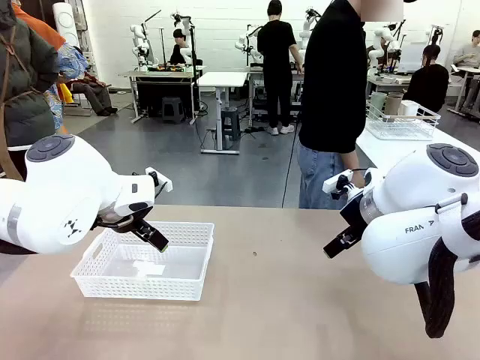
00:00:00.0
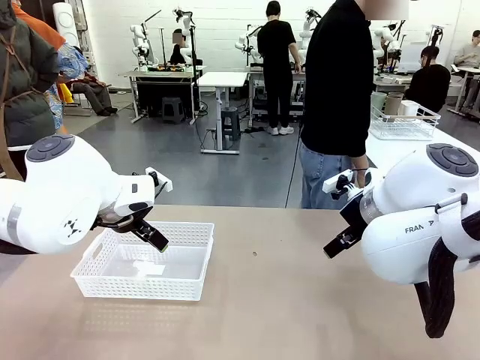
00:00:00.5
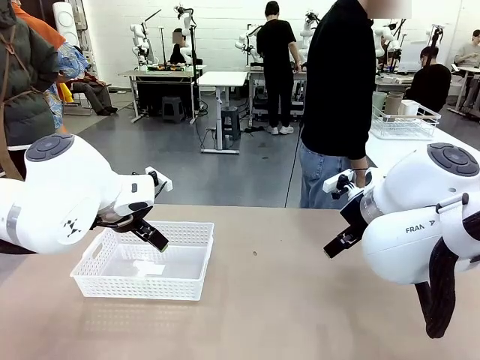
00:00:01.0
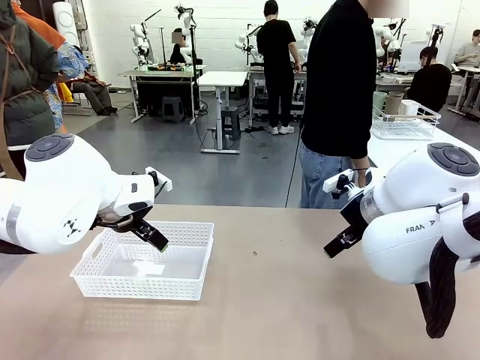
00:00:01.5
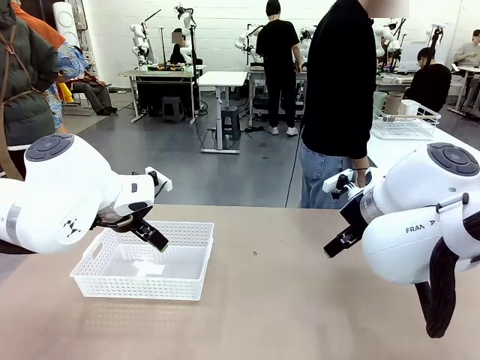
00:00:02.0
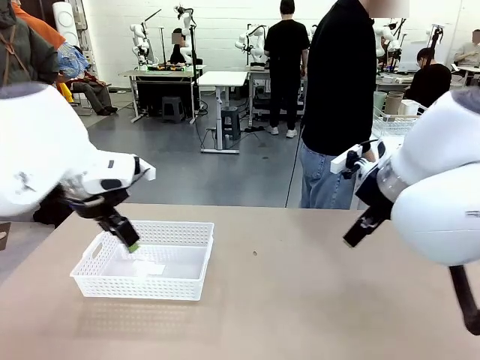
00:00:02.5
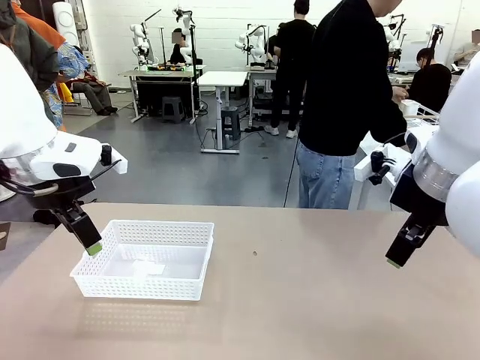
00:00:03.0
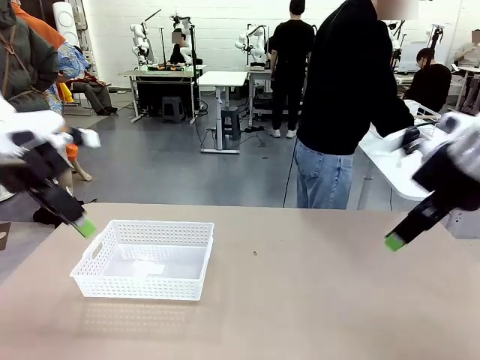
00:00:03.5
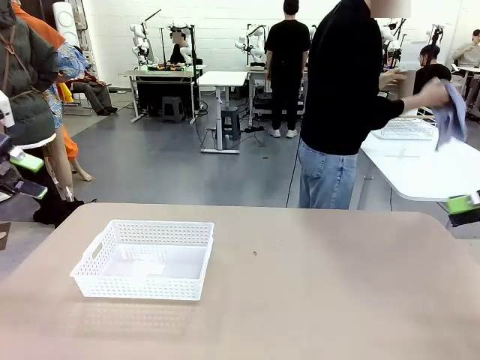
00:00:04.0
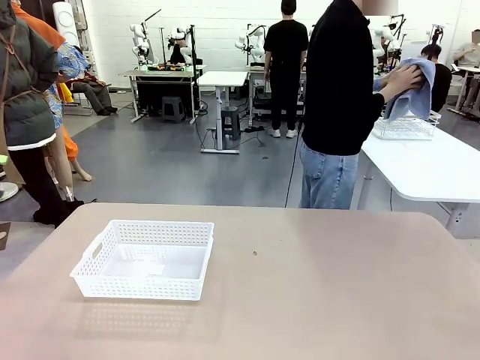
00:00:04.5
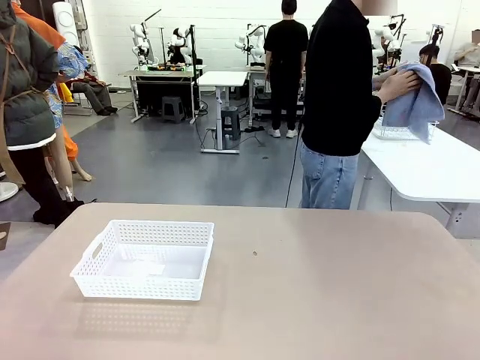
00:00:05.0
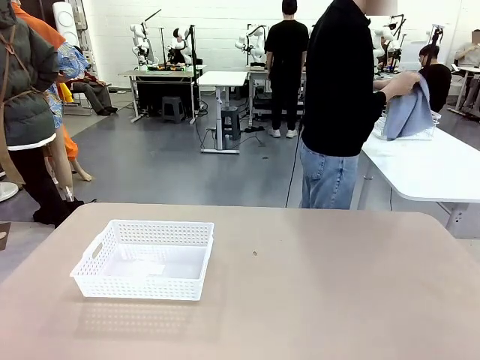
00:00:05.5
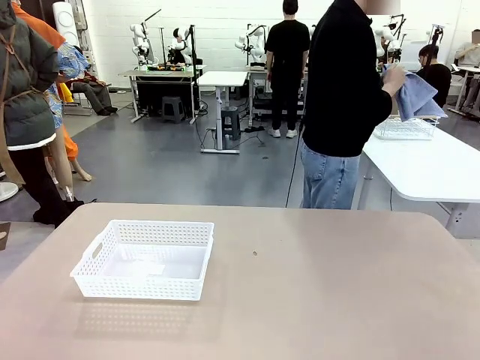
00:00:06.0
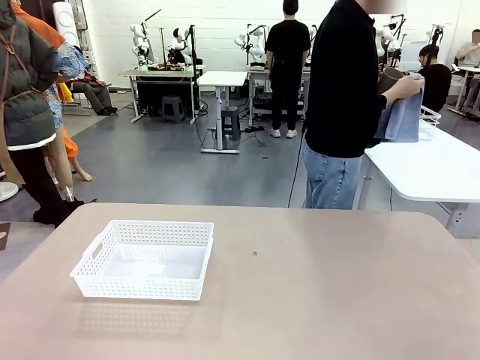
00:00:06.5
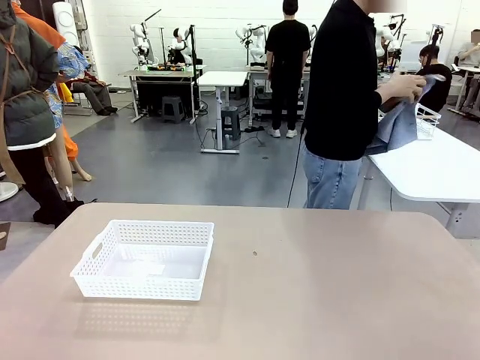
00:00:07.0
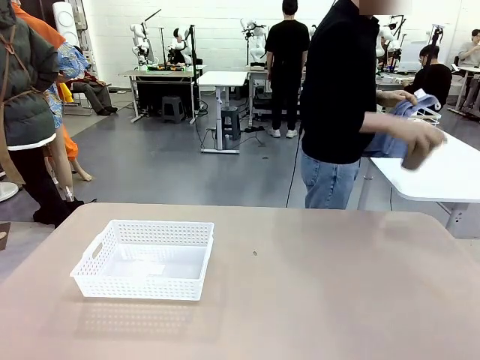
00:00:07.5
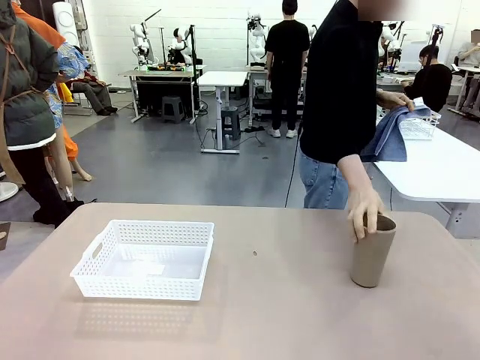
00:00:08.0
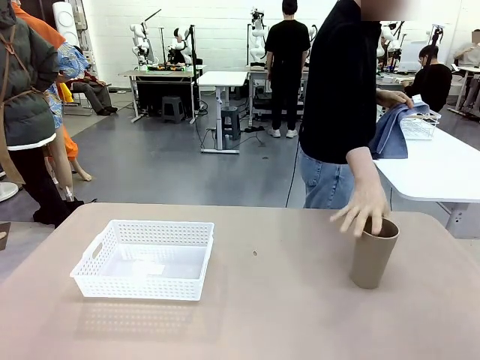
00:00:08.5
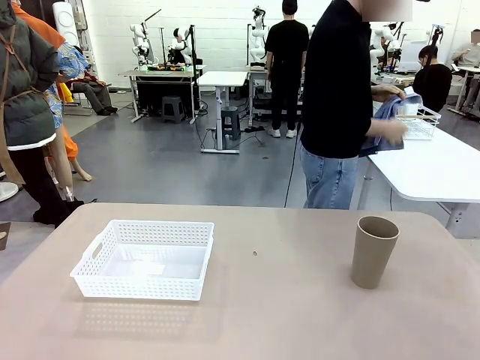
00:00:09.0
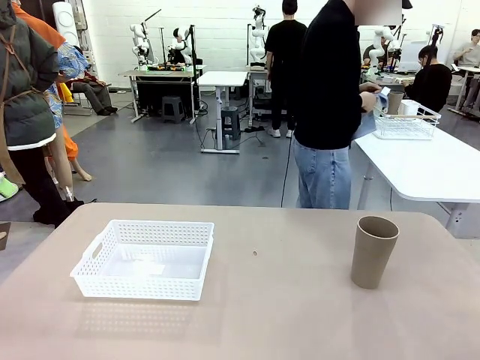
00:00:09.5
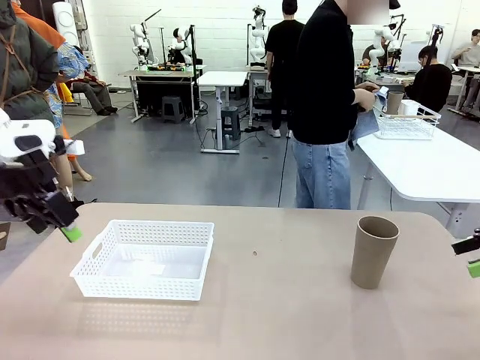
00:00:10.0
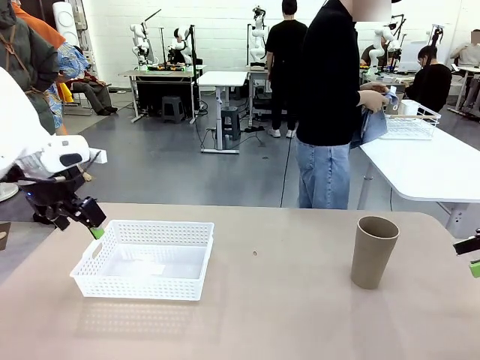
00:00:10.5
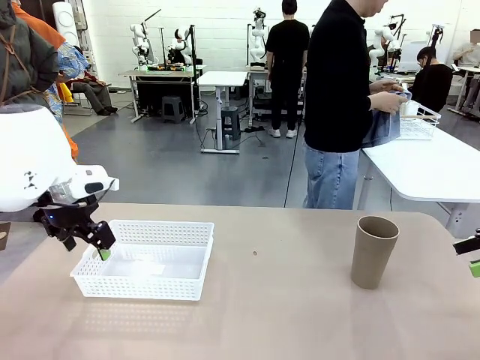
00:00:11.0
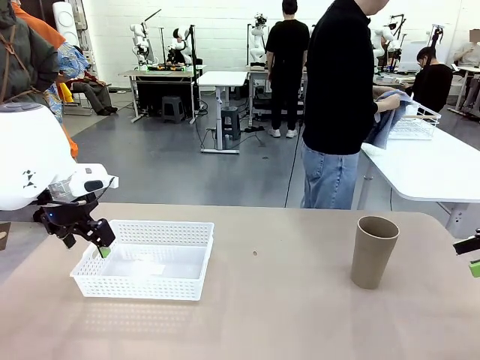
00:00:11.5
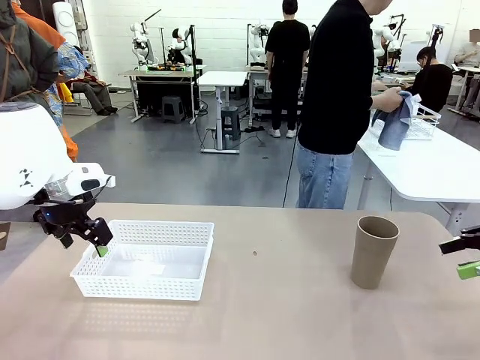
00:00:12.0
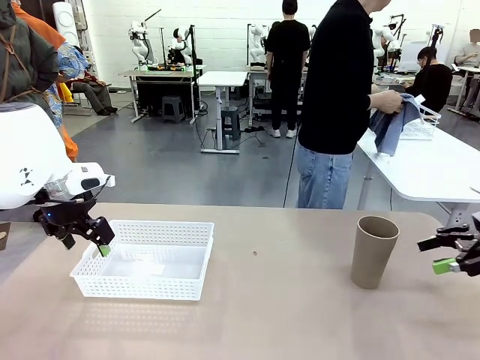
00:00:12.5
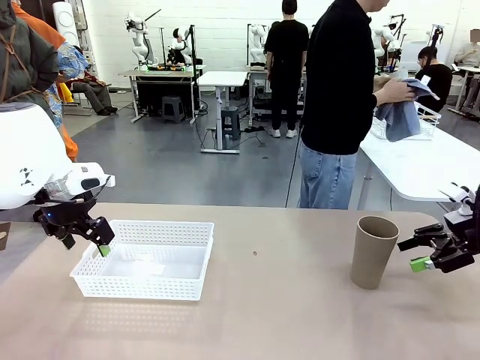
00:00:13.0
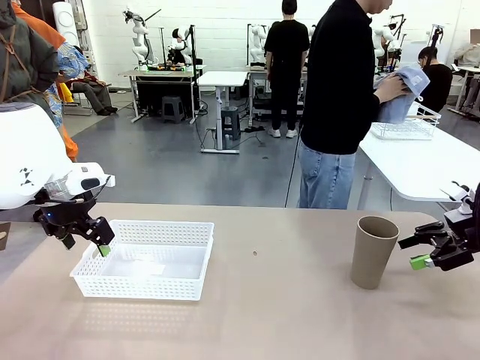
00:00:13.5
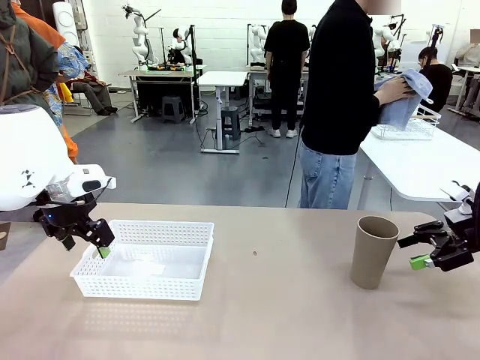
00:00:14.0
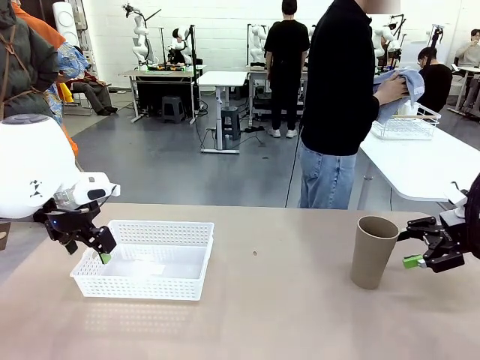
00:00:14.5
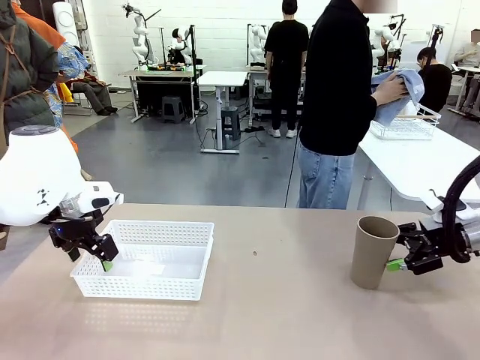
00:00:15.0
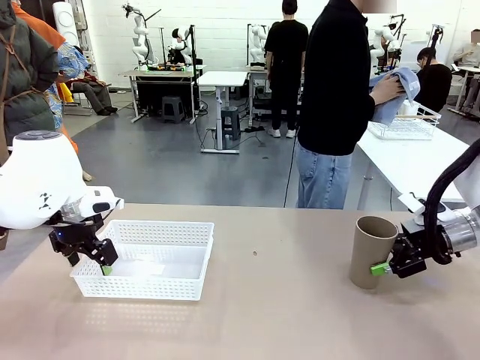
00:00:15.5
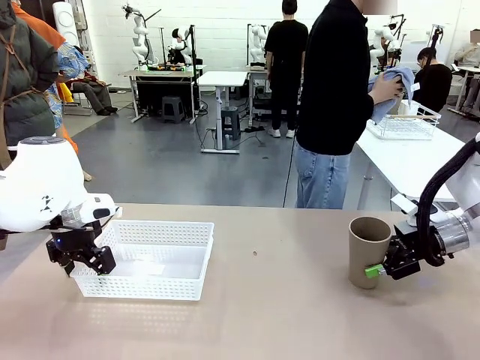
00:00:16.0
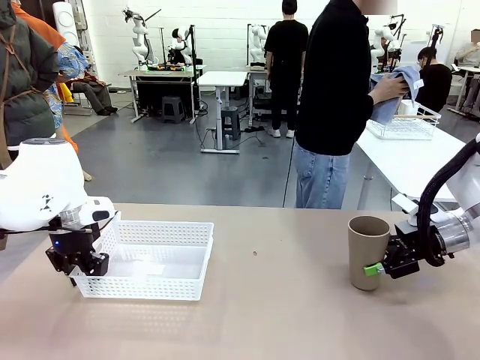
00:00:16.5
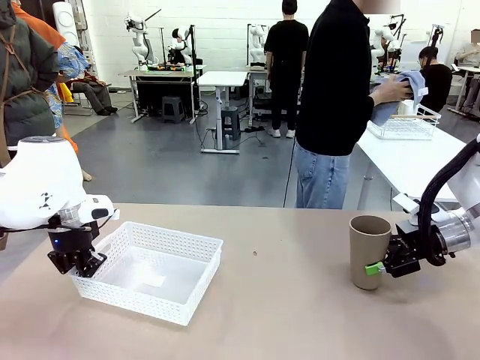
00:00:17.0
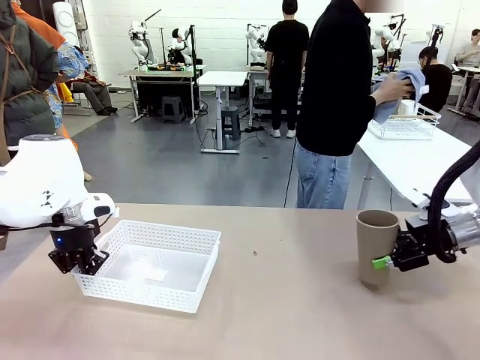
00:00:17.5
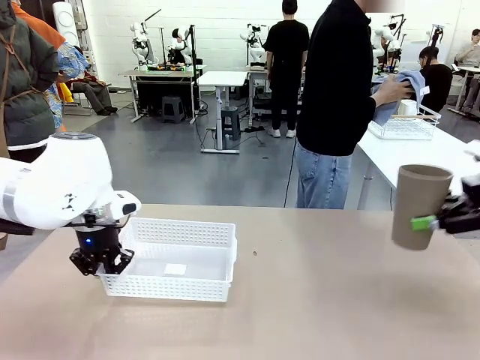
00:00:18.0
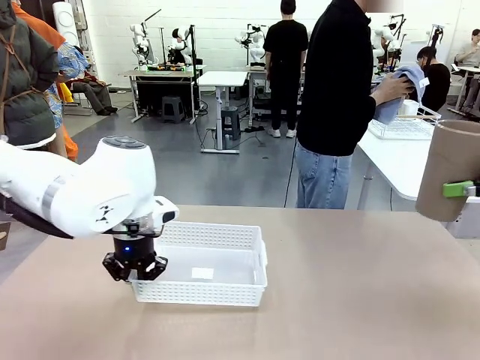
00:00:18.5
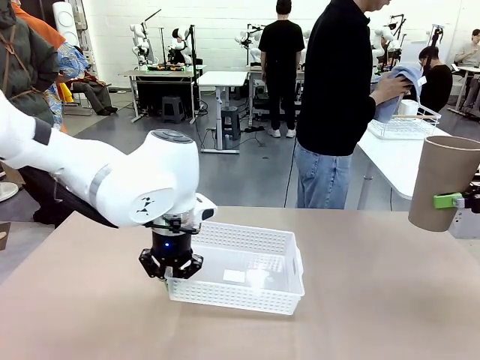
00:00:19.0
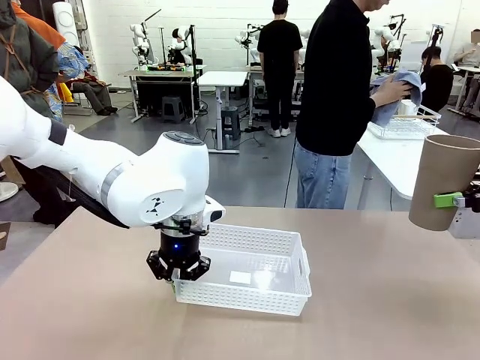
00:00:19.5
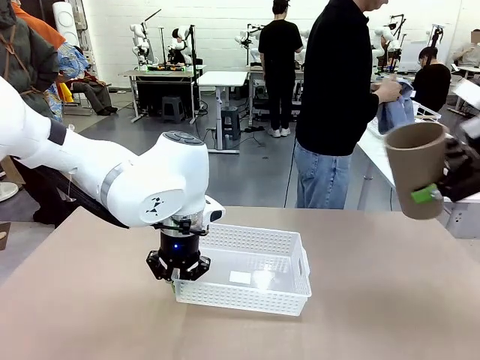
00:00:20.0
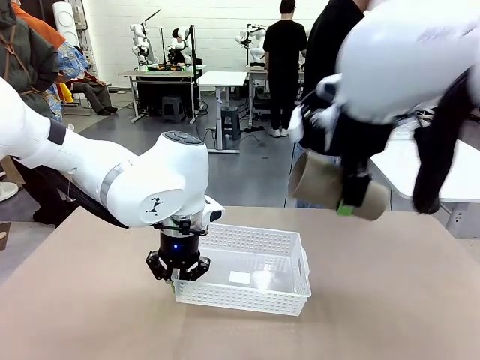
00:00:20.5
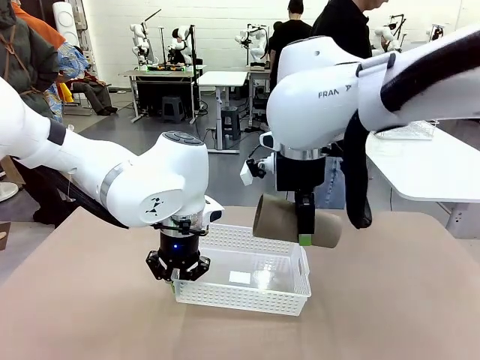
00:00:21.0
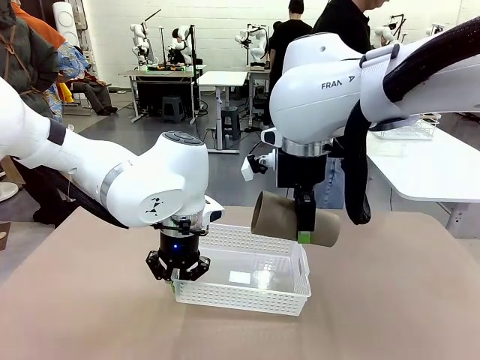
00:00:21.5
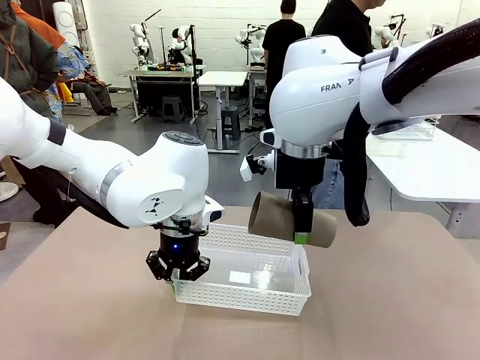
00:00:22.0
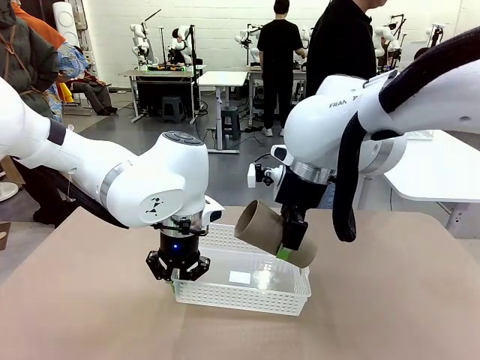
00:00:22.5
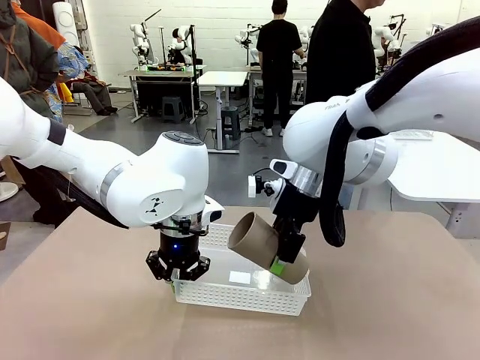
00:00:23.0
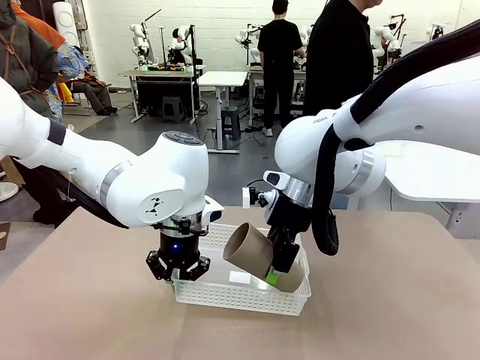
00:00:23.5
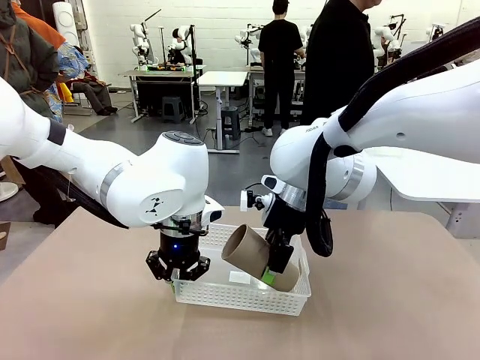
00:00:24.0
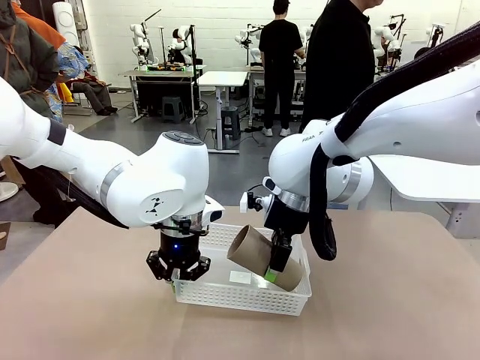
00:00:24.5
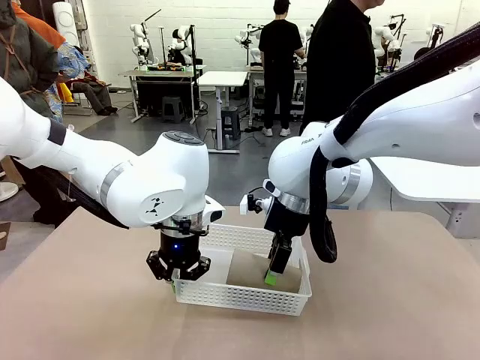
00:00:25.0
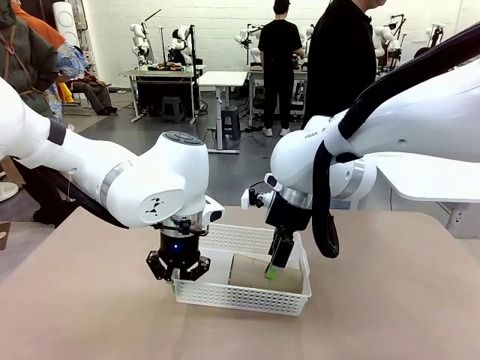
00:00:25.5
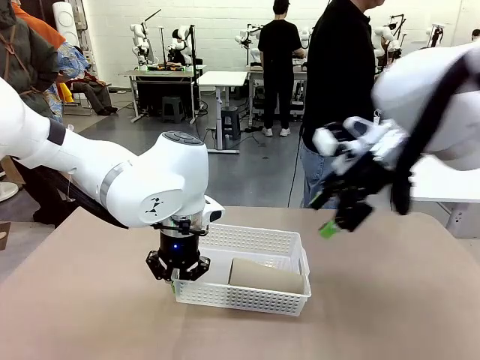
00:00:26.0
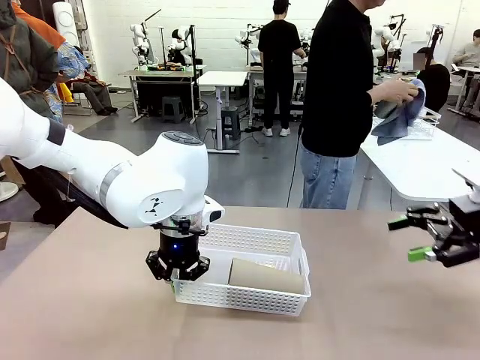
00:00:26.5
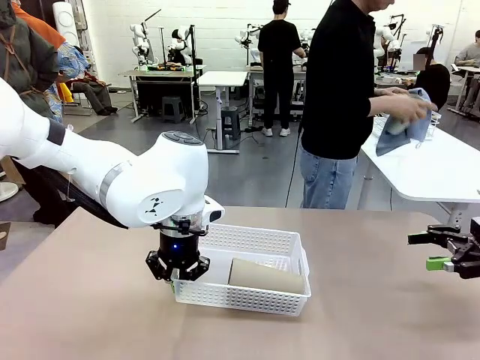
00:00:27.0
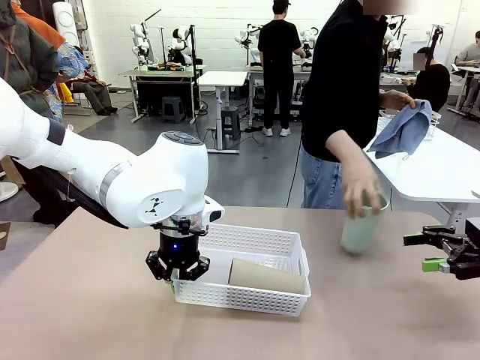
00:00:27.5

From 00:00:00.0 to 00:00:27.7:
Task: Clean and organize the cups into the basket.
Robot: Pick up the Organizing basket and move it to the center of the table, then pick up the Reusable plastic cup from the right side of the table and place it inside the Organizing basket.
Person: Picks up a cup and a towel, cleans the cup with the towel, and places it on the left side of the robot table. Picks up a cup from the drying rack, cleans the cup with the towel, and places it on the left side of the robot table.
